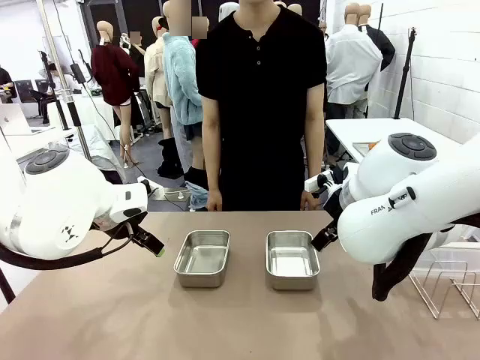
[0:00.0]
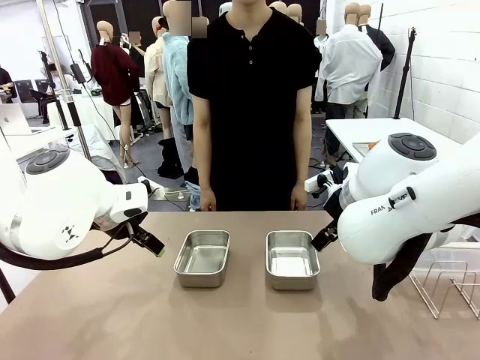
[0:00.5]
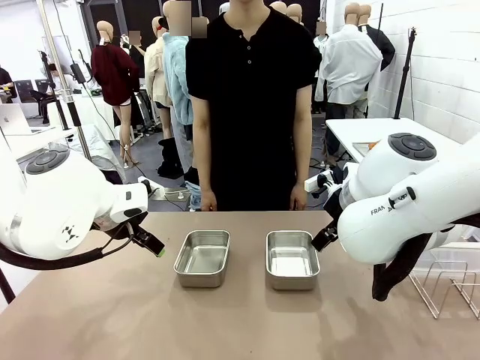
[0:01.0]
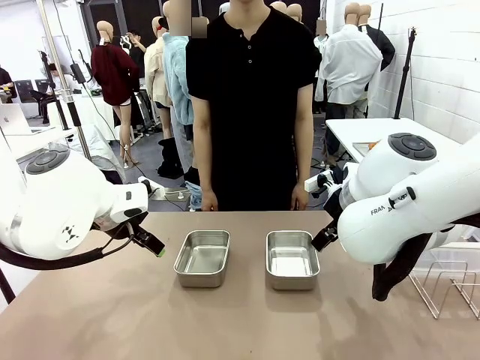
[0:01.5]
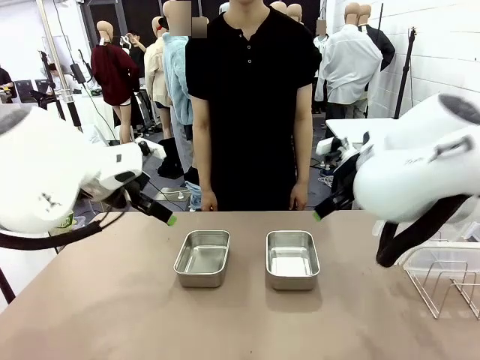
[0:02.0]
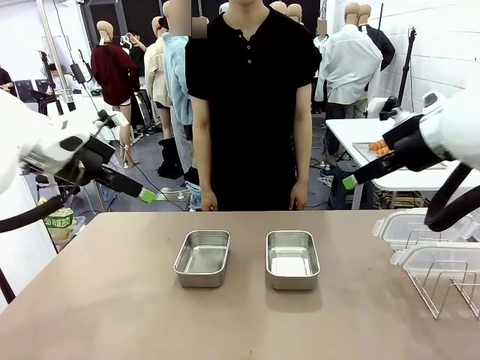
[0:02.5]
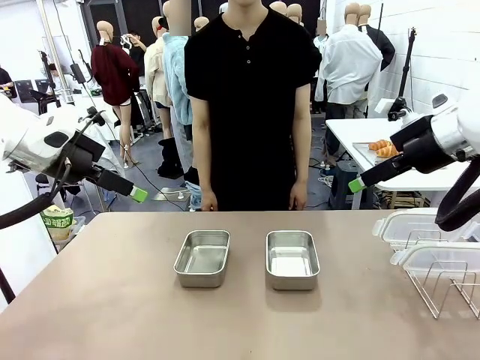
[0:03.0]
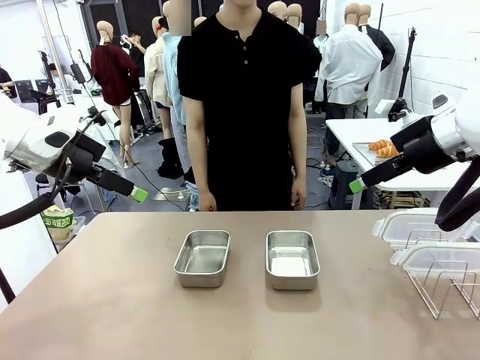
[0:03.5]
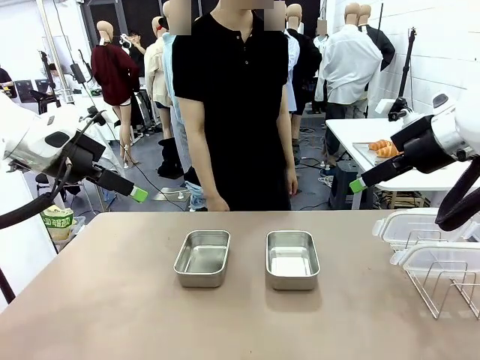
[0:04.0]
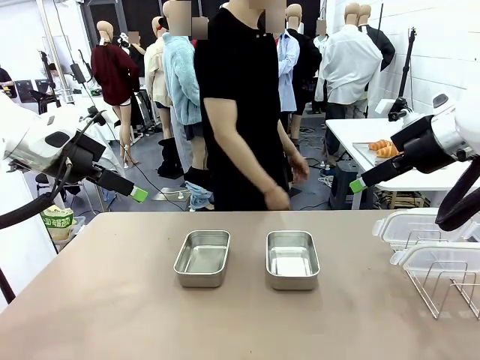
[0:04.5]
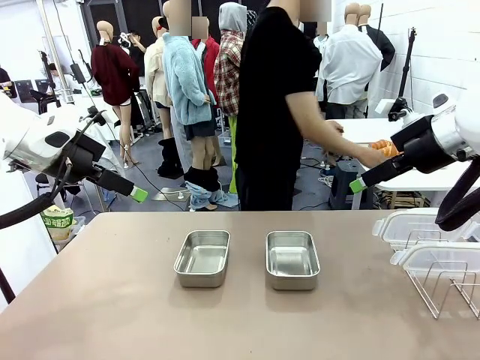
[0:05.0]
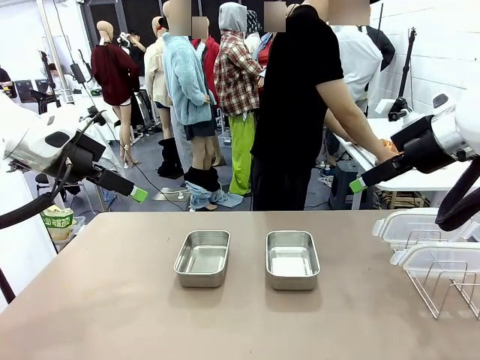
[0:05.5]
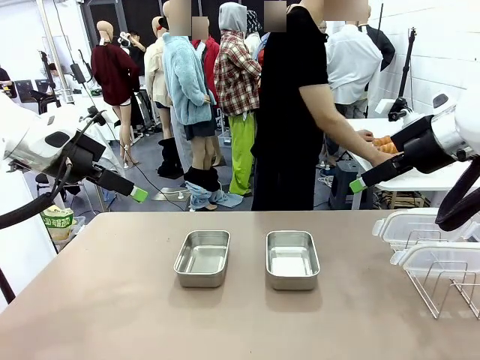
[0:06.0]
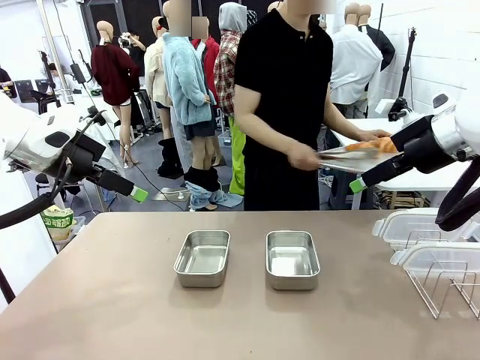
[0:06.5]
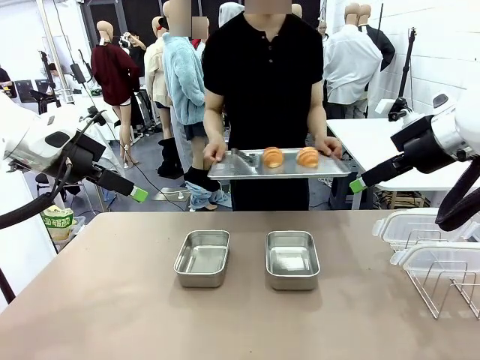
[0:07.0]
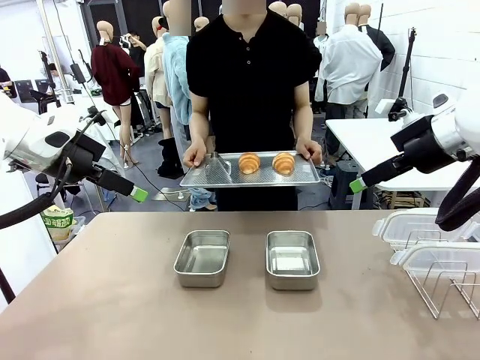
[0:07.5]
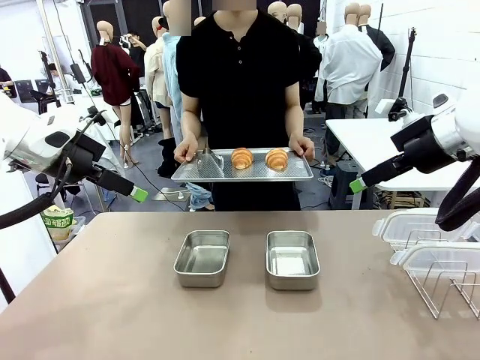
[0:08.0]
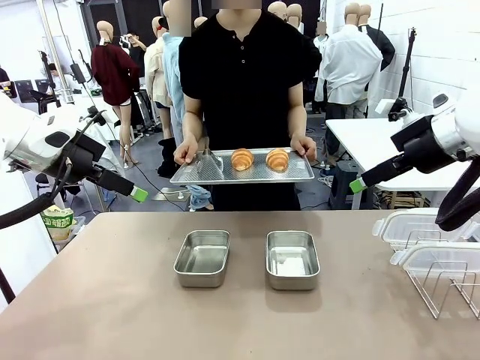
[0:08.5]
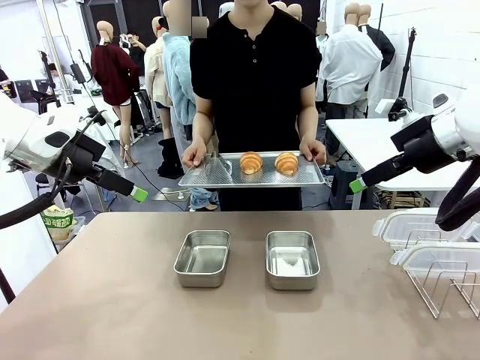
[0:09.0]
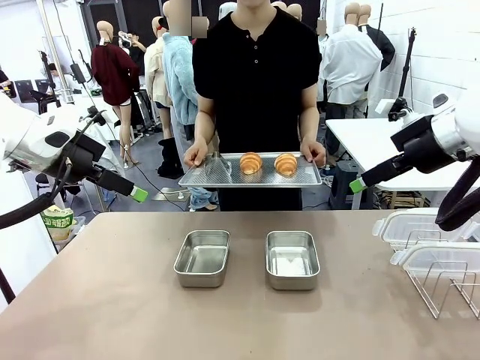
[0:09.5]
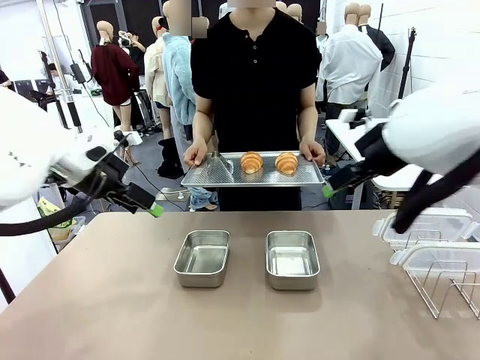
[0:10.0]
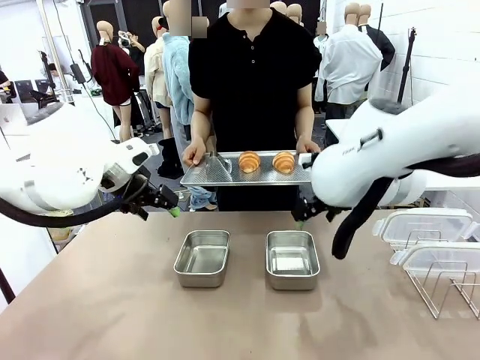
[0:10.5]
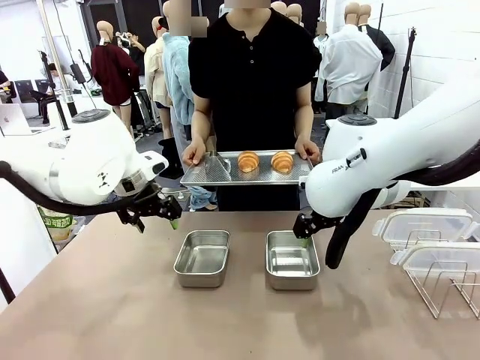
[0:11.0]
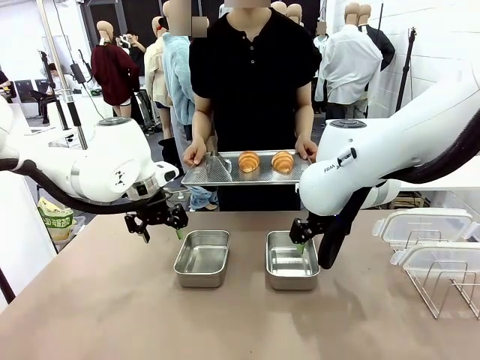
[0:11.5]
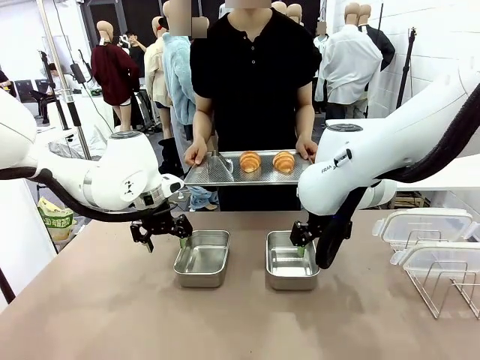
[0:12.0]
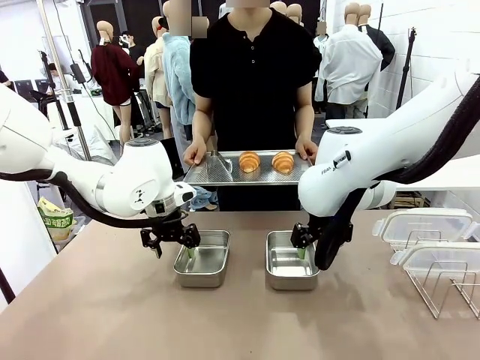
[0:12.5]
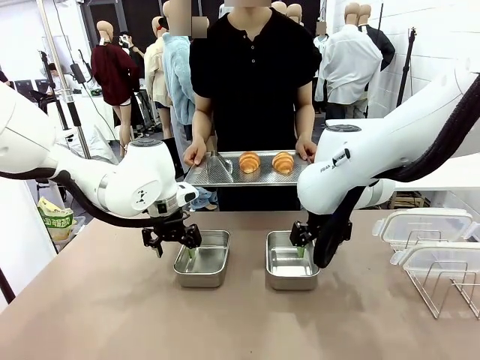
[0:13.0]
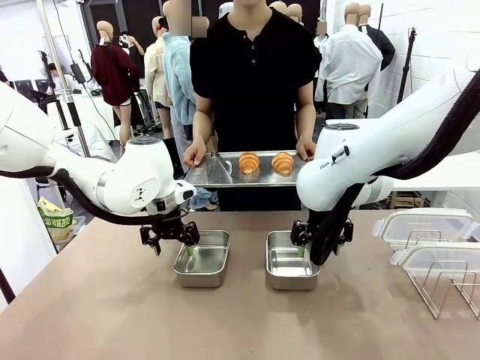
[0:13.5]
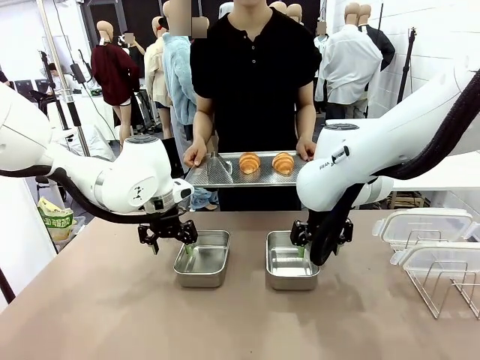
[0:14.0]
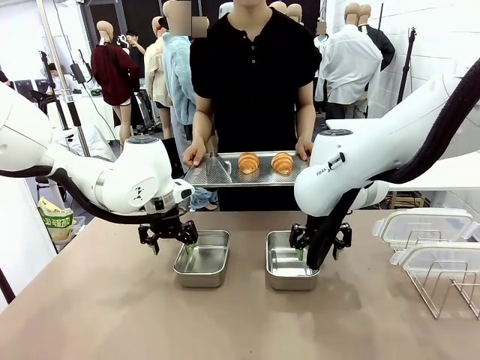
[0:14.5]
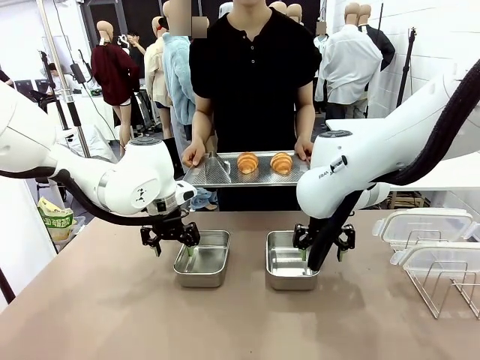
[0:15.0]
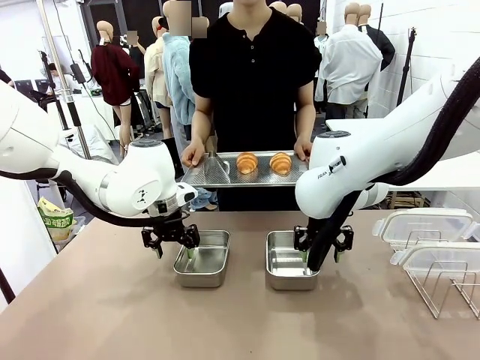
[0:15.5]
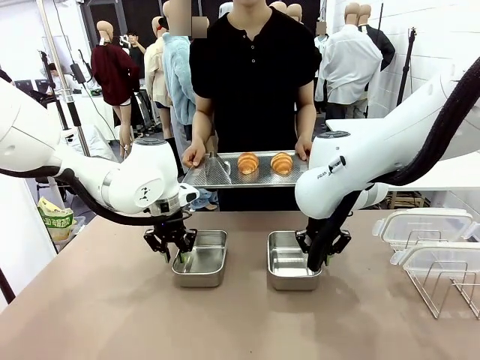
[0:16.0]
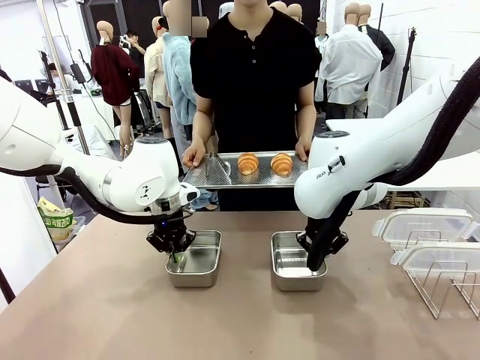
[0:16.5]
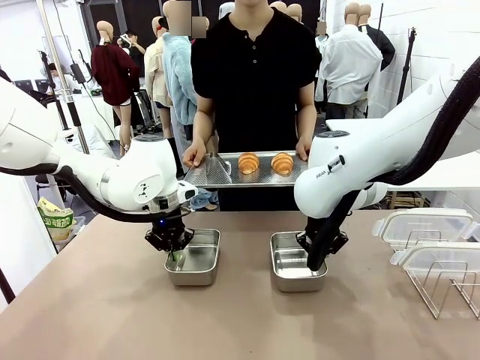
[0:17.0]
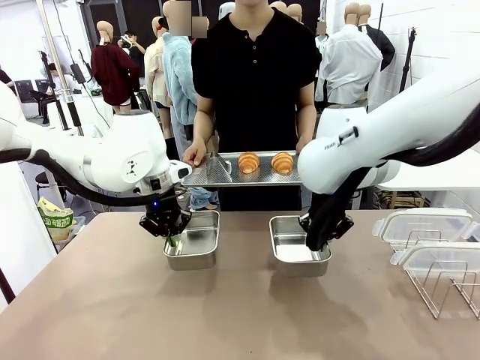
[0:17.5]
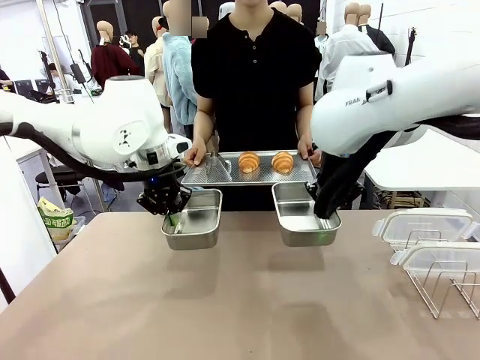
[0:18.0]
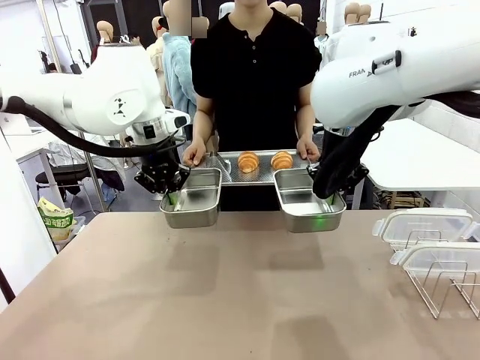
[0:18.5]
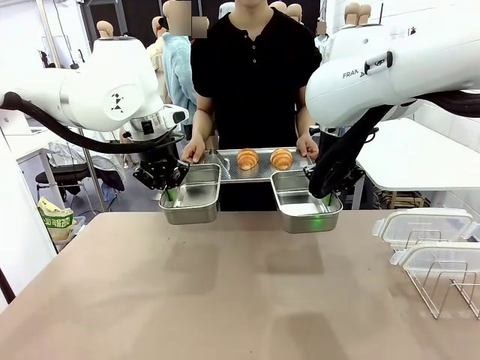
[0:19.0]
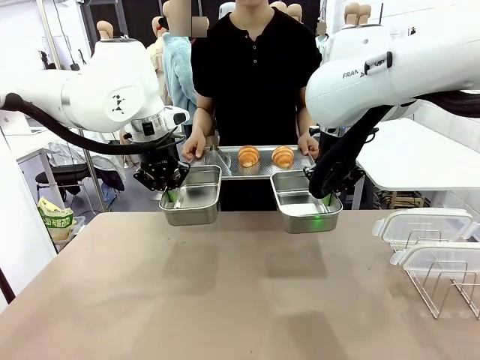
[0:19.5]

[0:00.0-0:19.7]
Task: Place the bread in airtight containers.
Robot: Lift both Airtight Container.
Person: Bring the Baking Sheet in front of Robot's Table.
